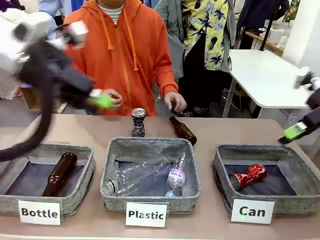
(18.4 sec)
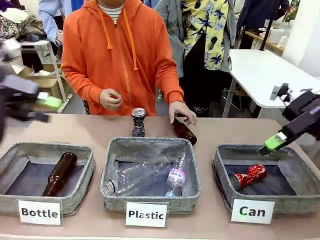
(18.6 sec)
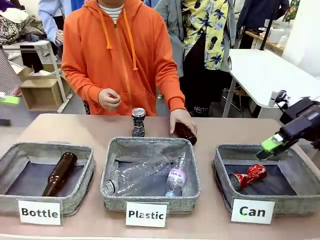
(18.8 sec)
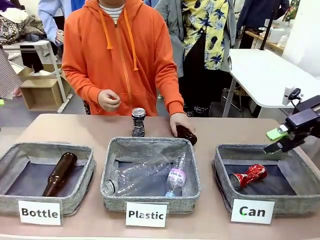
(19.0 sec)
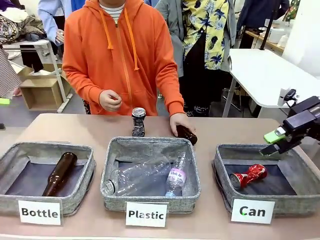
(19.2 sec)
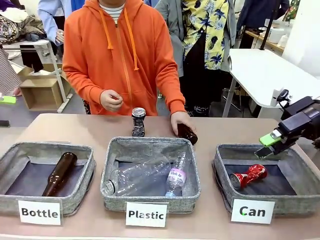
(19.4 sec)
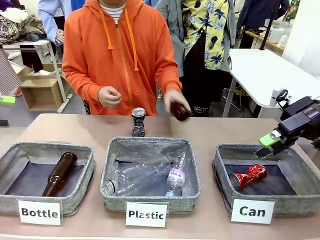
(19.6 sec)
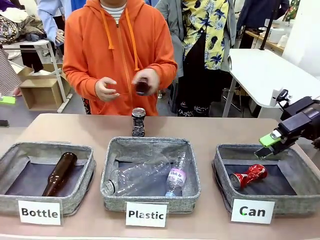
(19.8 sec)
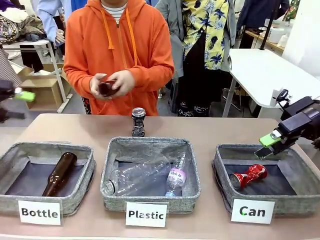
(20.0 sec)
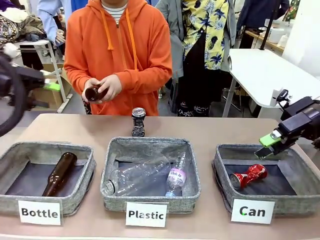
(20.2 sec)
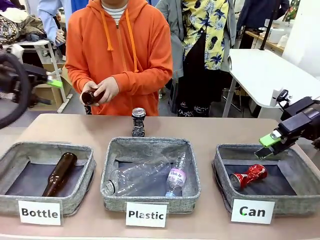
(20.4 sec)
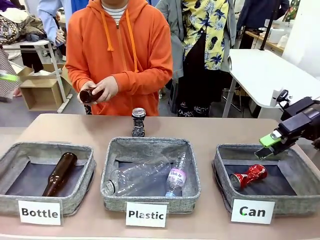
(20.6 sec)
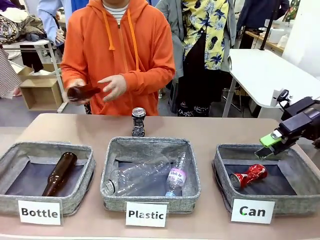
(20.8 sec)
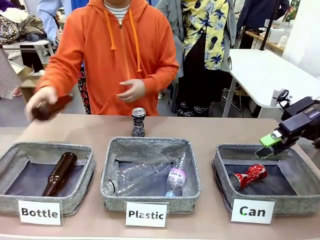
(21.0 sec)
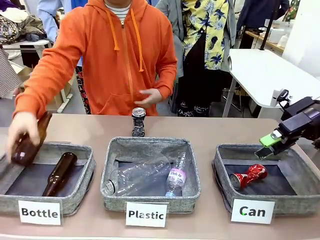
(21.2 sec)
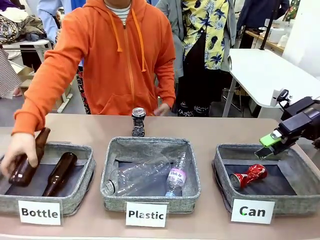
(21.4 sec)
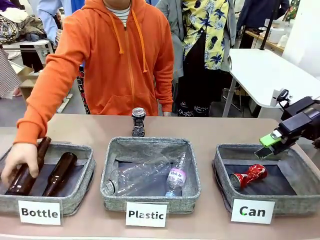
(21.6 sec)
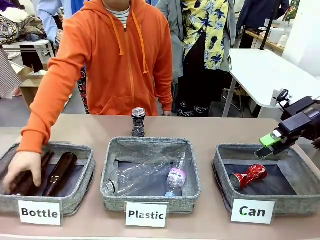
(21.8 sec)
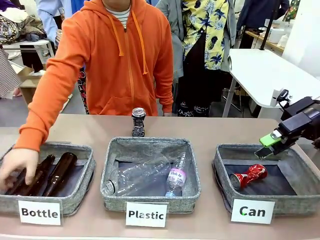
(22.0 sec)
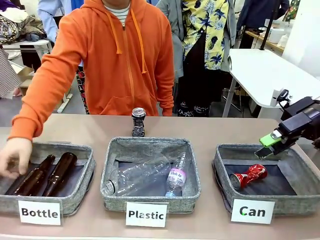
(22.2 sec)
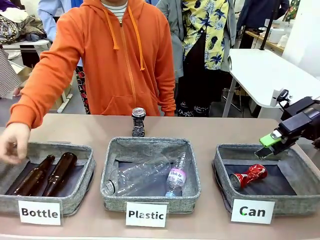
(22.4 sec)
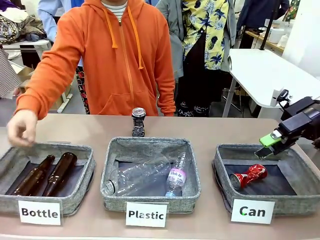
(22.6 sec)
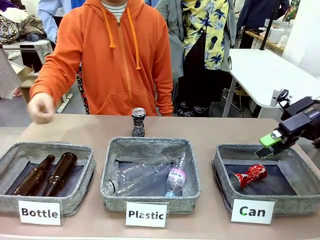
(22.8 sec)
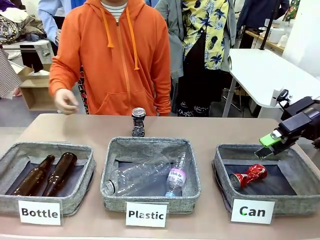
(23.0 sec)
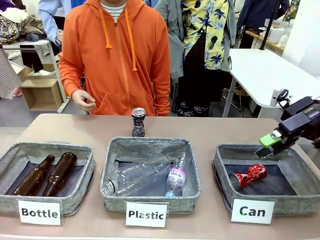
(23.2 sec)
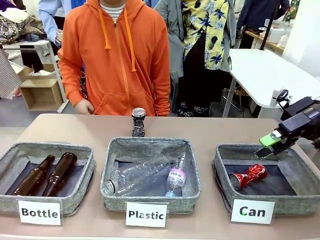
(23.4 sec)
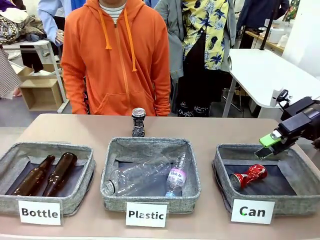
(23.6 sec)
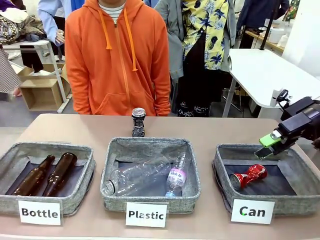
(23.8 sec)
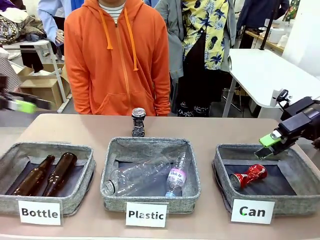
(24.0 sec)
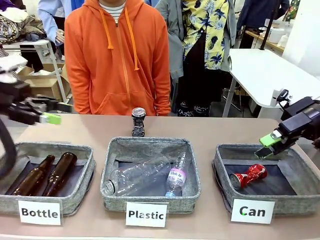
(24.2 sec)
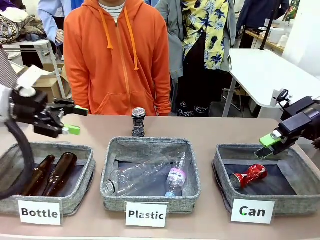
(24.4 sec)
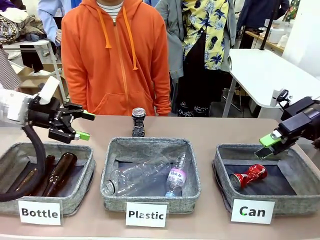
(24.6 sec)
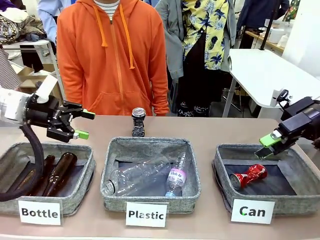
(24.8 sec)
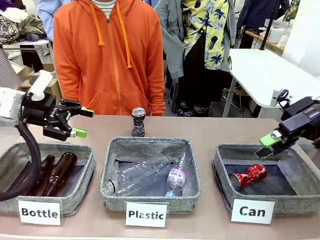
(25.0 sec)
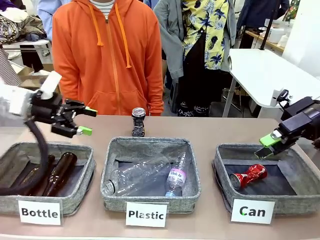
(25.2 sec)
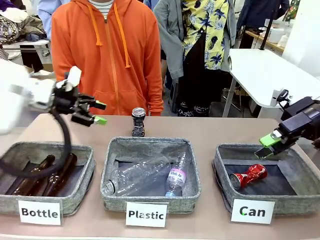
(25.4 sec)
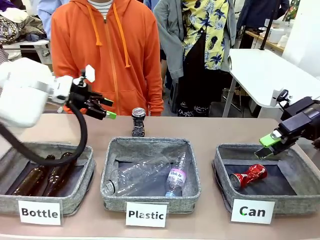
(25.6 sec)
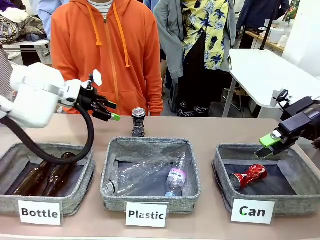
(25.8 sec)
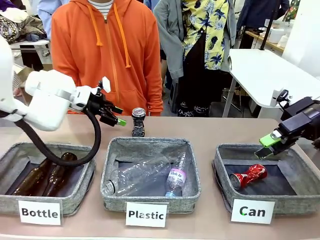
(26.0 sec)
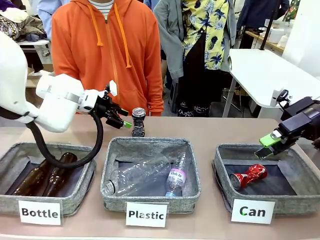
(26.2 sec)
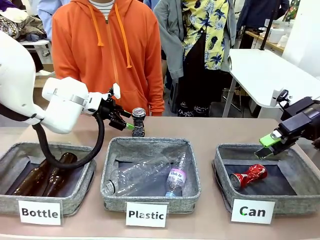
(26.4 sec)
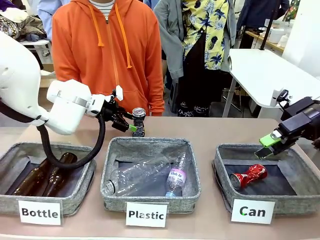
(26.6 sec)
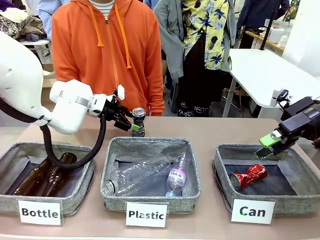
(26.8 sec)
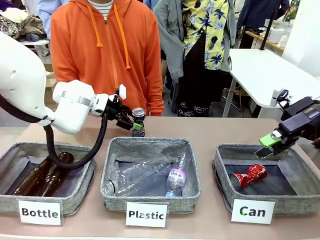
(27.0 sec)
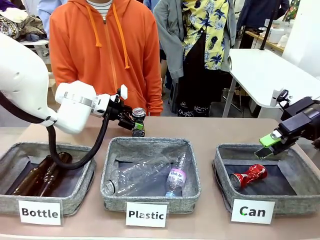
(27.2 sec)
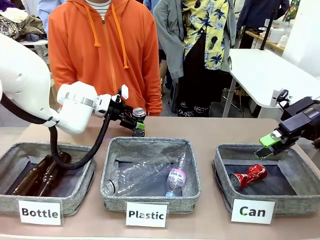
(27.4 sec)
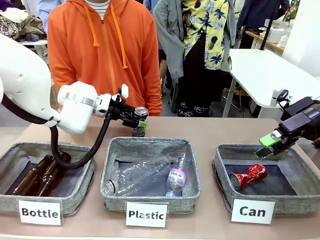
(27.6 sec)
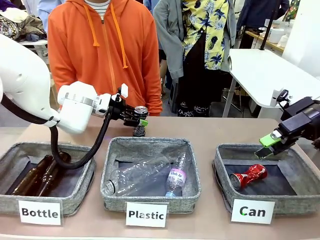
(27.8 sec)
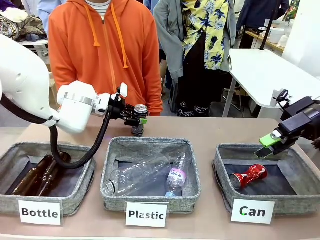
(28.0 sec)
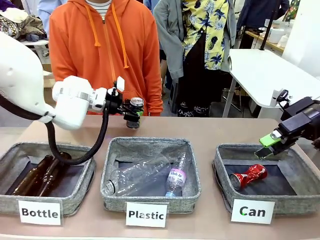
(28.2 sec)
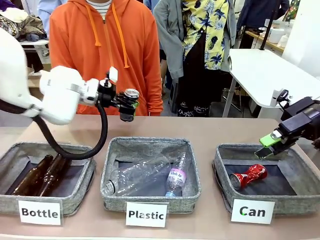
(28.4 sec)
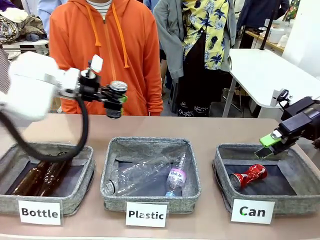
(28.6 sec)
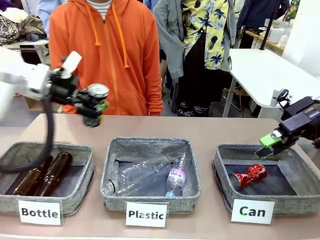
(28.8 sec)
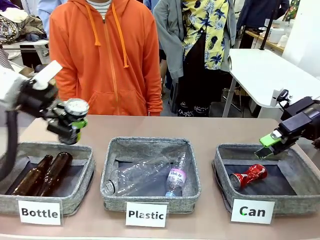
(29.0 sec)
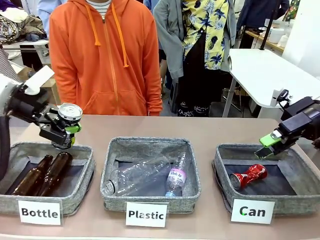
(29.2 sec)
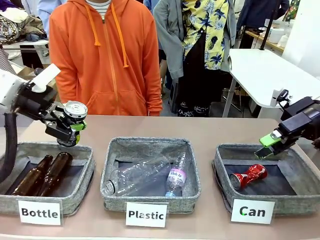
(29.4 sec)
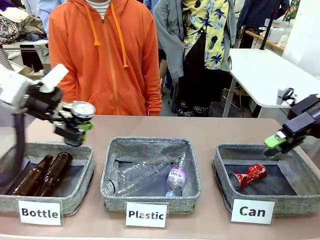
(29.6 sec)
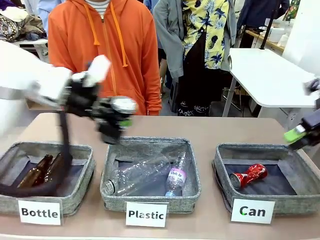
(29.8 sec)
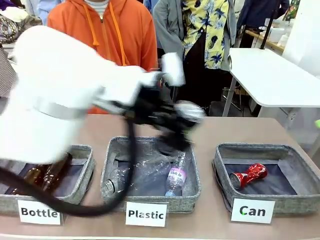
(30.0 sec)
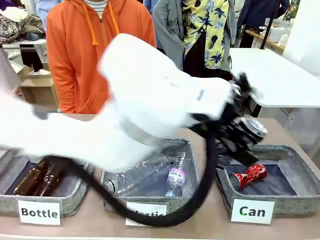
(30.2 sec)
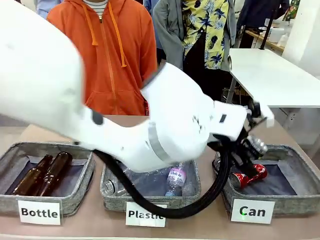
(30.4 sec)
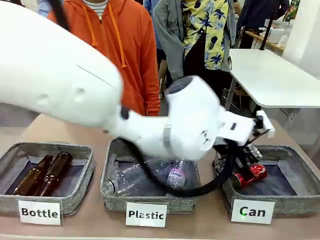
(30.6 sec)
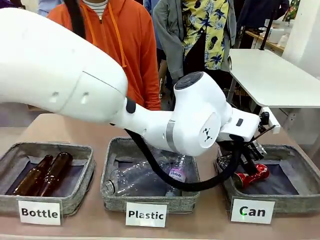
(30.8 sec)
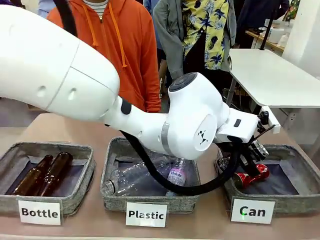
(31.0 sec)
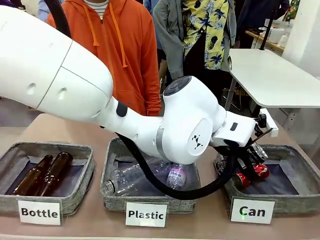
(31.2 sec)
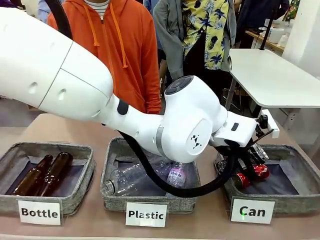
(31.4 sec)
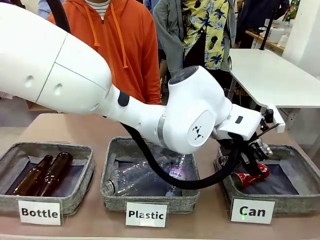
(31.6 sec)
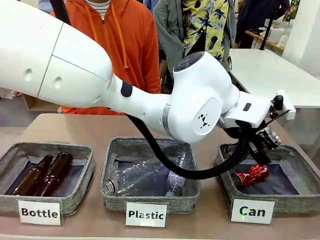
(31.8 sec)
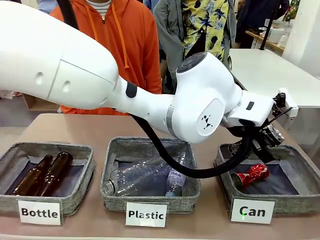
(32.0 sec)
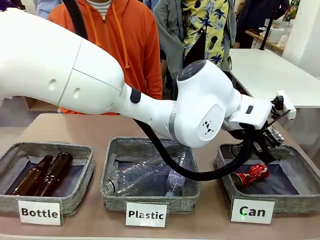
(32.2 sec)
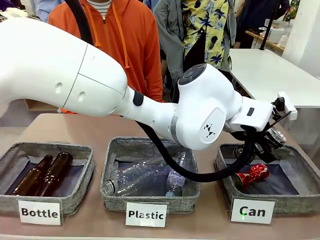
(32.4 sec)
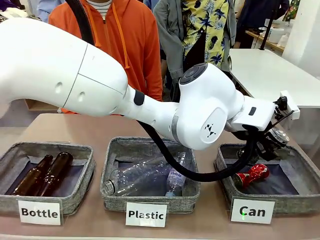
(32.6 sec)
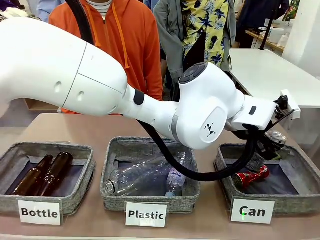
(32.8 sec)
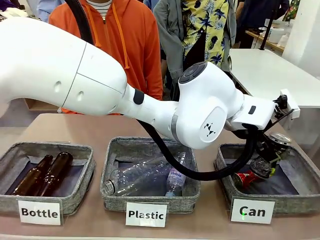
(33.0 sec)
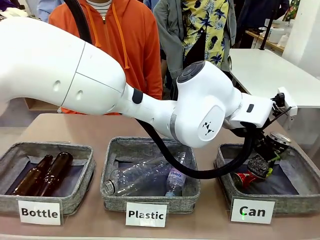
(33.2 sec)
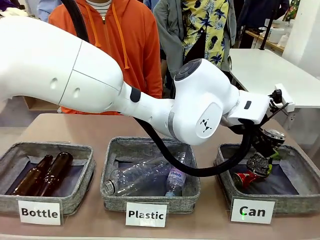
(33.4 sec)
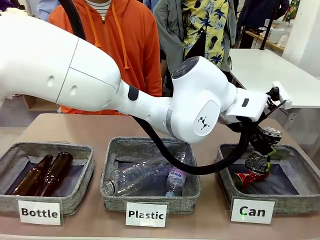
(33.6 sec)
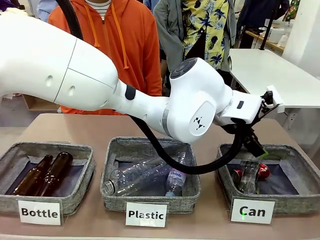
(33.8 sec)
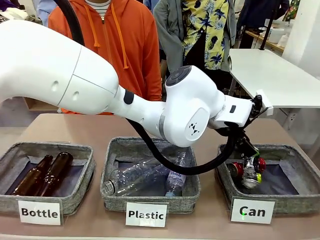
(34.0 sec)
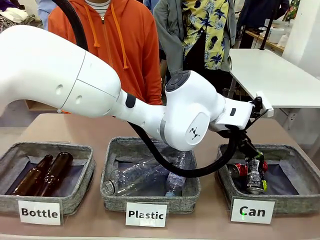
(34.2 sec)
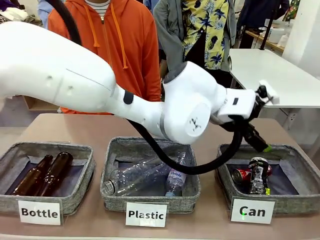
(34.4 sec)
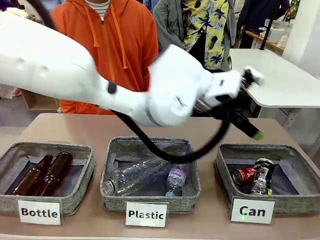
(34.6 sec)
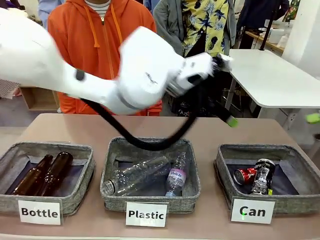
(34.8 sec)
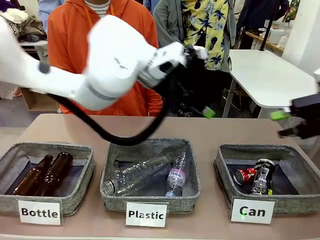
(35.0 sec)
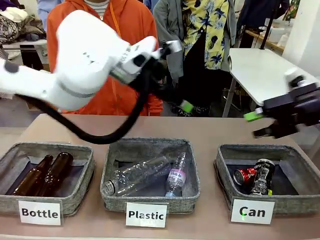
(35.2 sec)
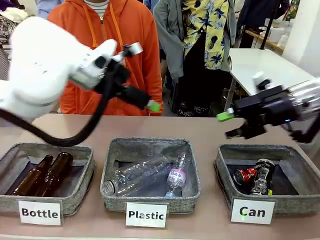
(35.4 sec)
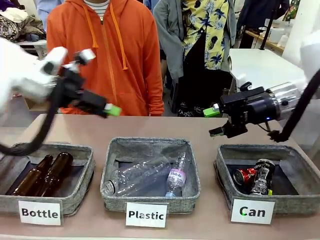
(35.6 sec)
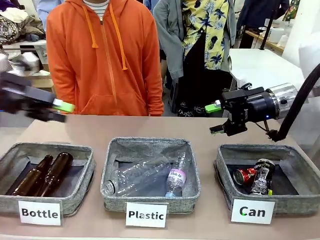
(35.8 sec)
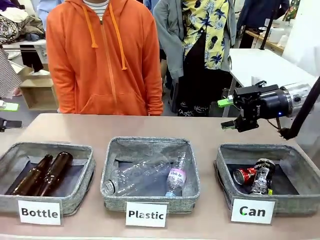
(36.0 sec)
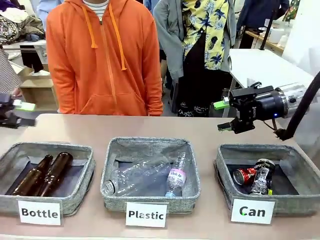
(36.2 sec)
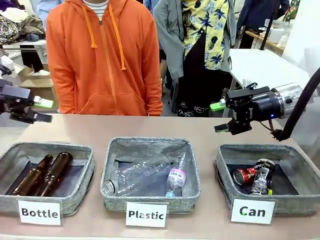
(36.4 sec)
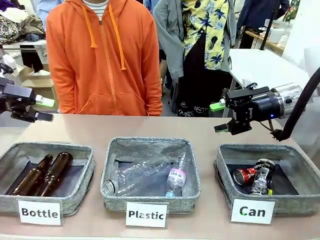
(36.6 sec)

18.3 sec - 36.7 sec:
Task: Sort the can waste into the basket.
Robot: Pick up the can waste from the table and place it in the right Fabric basket.
Person: The human picks up one piece of trash that is not a can and places the trash into the appropriate organizing basket.
